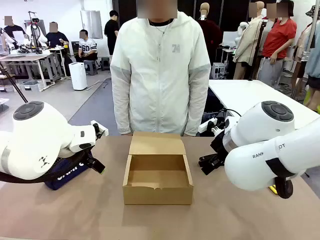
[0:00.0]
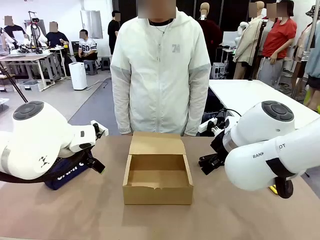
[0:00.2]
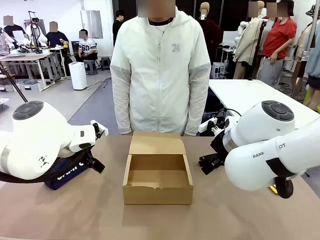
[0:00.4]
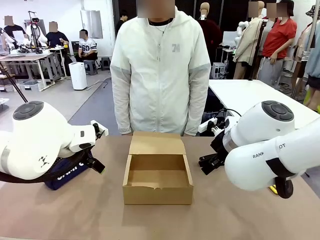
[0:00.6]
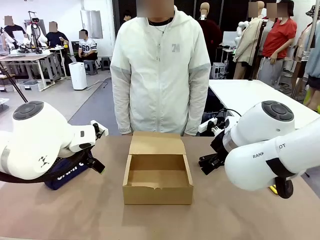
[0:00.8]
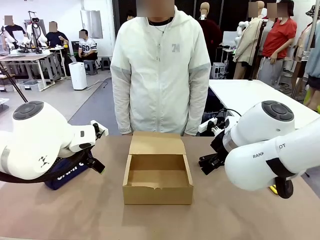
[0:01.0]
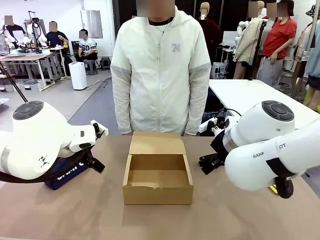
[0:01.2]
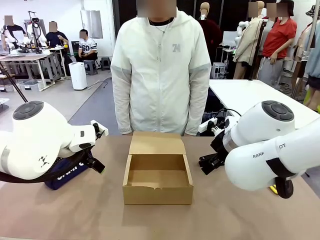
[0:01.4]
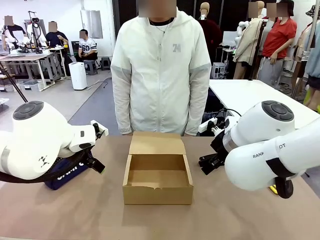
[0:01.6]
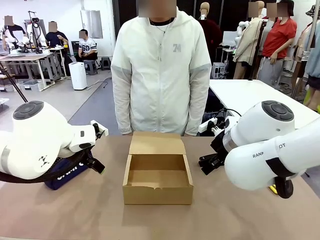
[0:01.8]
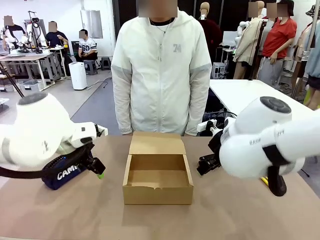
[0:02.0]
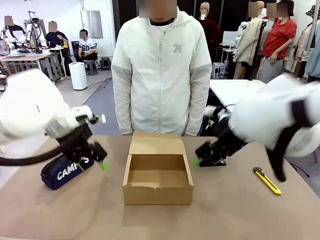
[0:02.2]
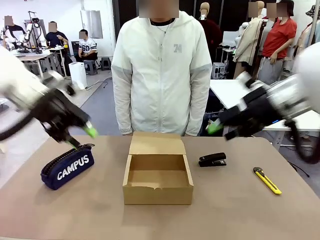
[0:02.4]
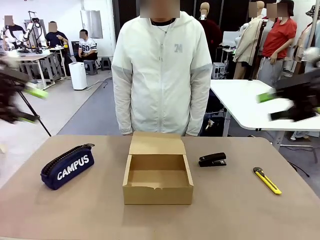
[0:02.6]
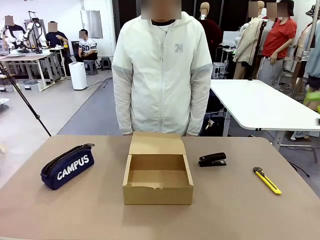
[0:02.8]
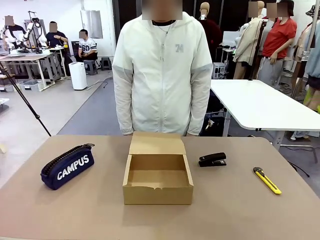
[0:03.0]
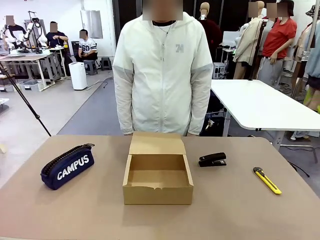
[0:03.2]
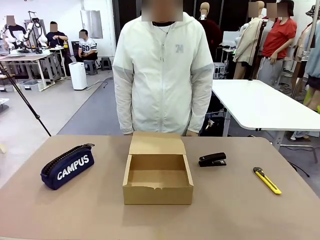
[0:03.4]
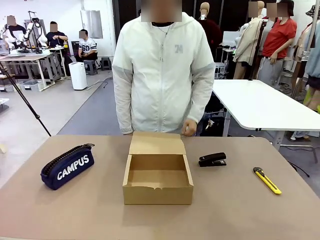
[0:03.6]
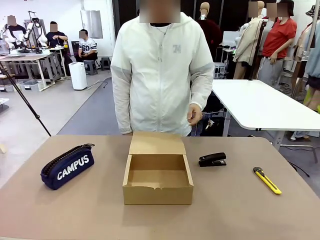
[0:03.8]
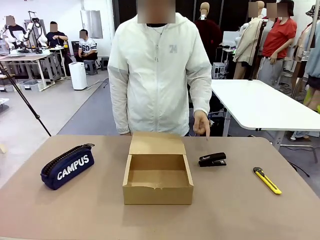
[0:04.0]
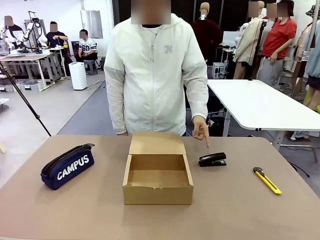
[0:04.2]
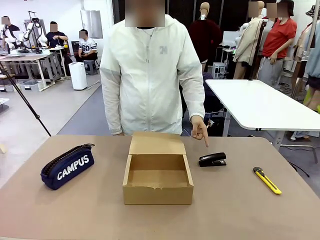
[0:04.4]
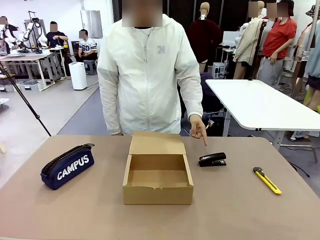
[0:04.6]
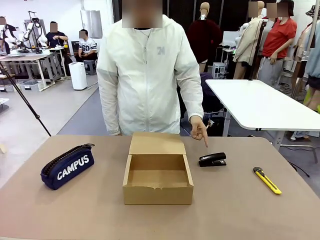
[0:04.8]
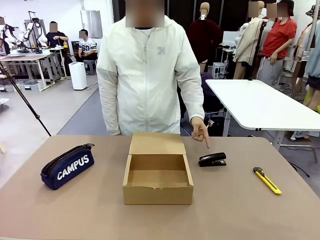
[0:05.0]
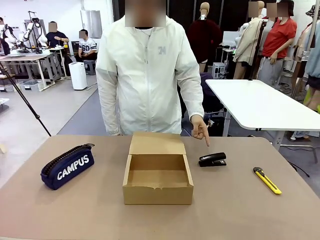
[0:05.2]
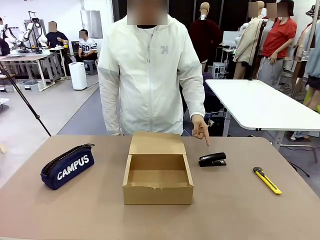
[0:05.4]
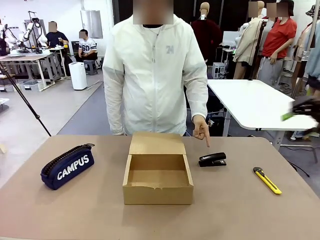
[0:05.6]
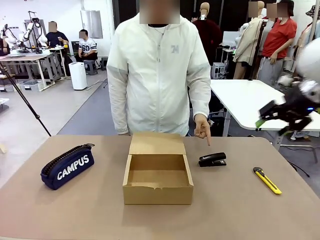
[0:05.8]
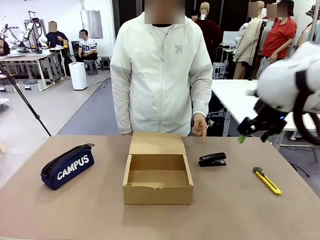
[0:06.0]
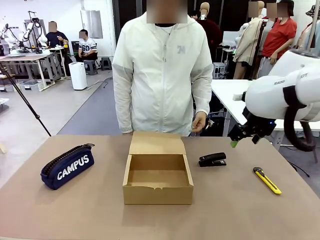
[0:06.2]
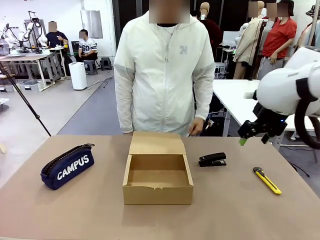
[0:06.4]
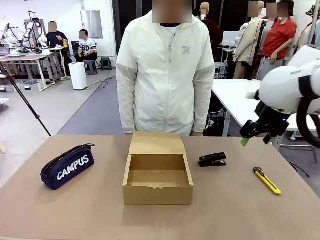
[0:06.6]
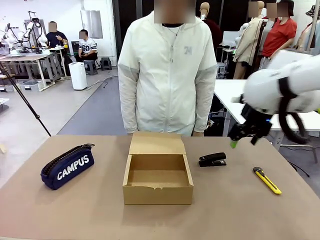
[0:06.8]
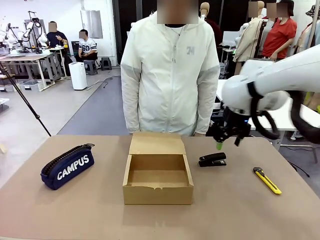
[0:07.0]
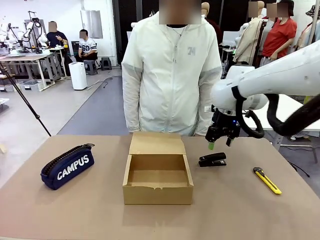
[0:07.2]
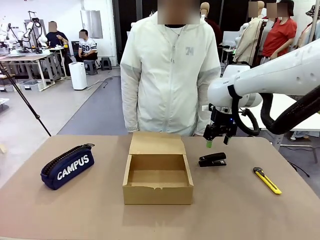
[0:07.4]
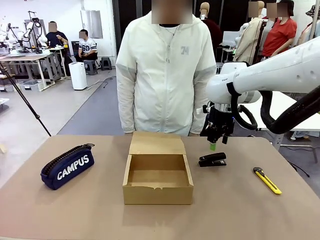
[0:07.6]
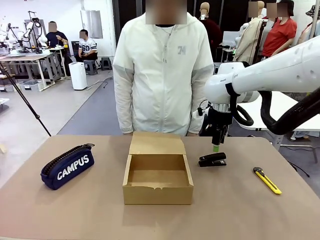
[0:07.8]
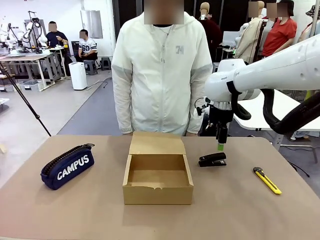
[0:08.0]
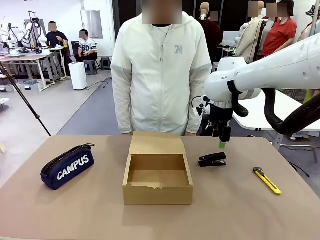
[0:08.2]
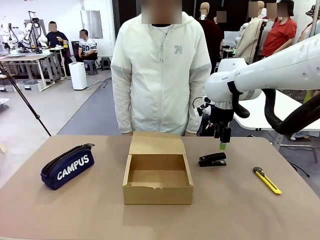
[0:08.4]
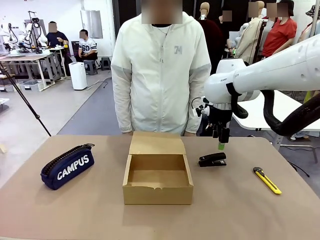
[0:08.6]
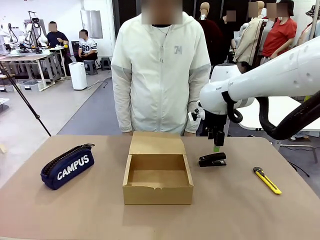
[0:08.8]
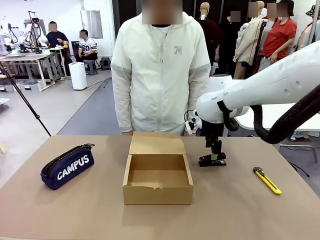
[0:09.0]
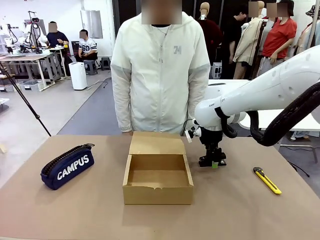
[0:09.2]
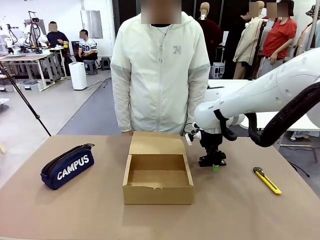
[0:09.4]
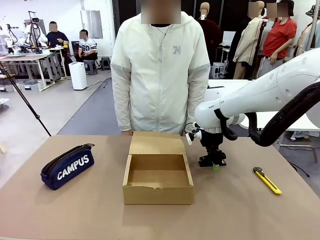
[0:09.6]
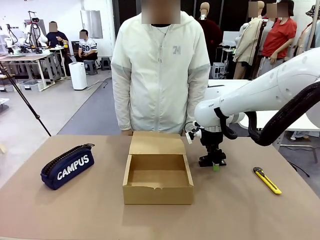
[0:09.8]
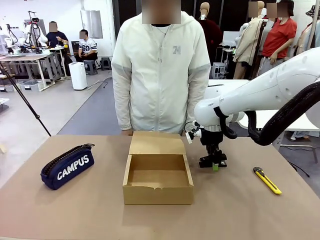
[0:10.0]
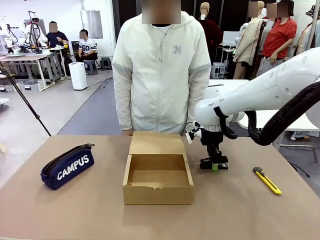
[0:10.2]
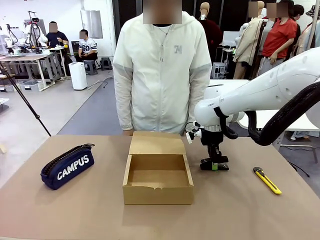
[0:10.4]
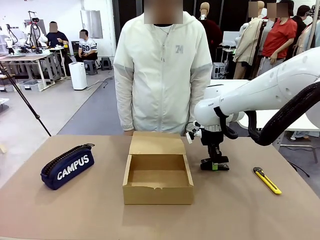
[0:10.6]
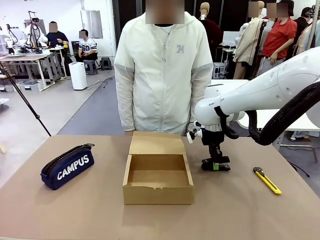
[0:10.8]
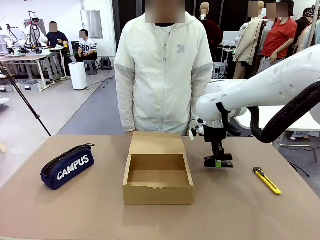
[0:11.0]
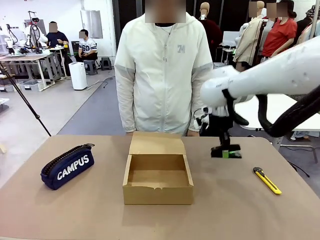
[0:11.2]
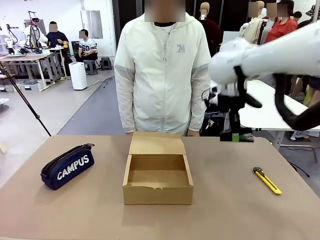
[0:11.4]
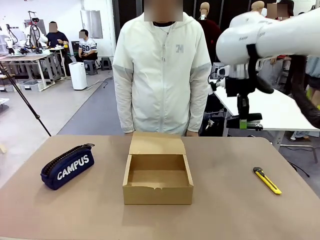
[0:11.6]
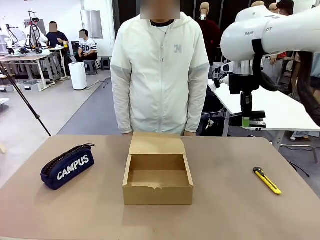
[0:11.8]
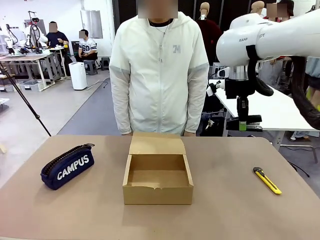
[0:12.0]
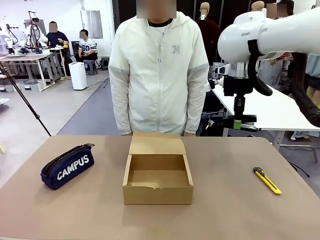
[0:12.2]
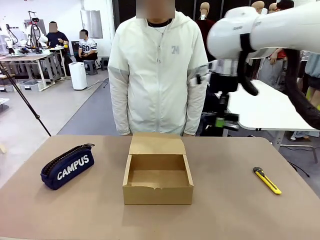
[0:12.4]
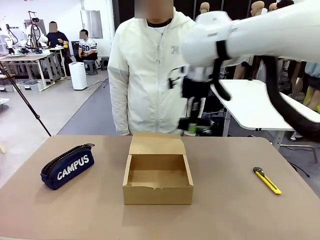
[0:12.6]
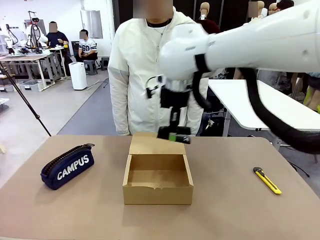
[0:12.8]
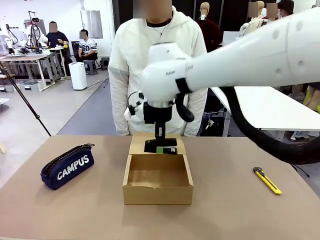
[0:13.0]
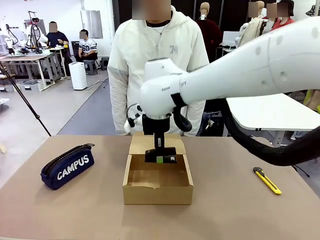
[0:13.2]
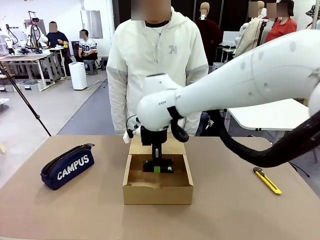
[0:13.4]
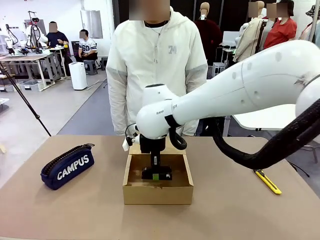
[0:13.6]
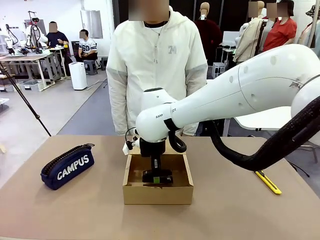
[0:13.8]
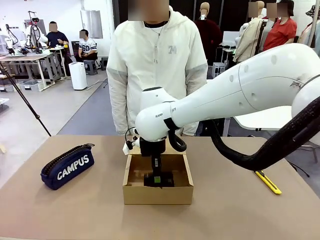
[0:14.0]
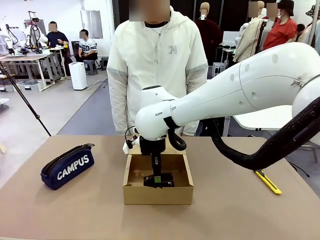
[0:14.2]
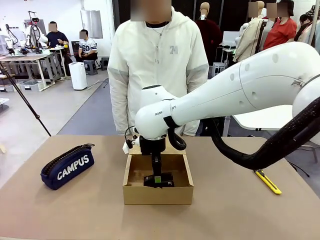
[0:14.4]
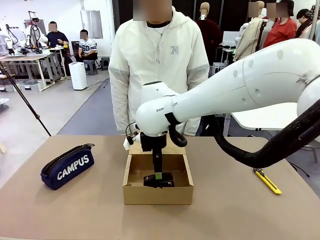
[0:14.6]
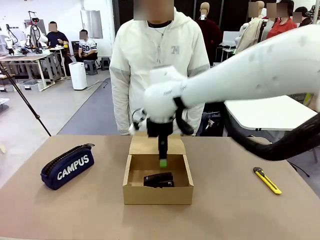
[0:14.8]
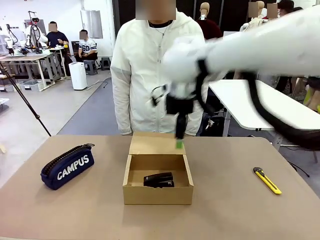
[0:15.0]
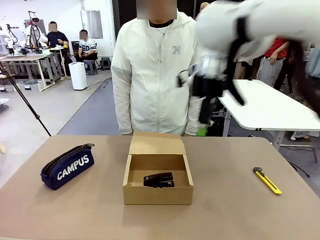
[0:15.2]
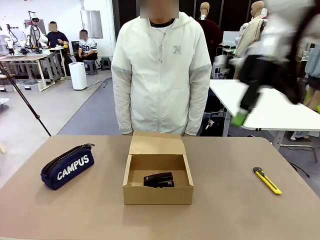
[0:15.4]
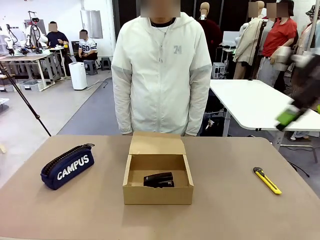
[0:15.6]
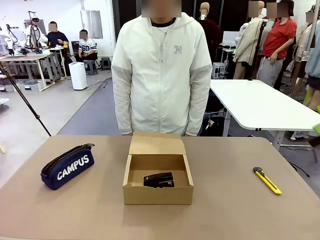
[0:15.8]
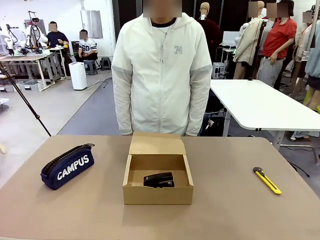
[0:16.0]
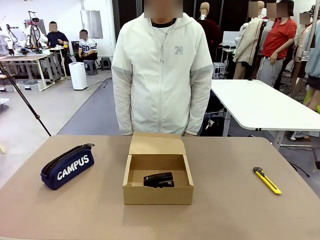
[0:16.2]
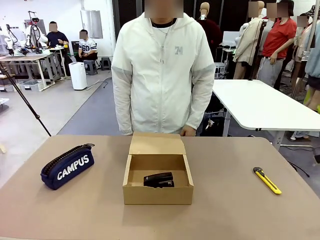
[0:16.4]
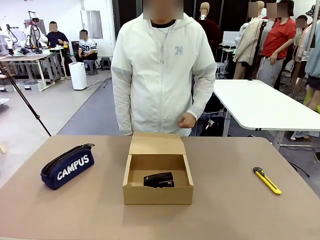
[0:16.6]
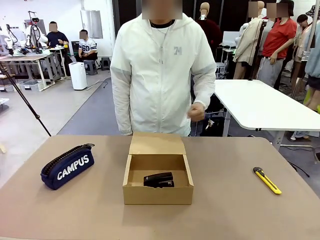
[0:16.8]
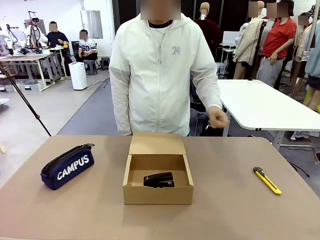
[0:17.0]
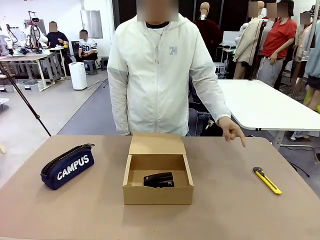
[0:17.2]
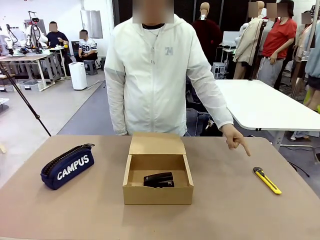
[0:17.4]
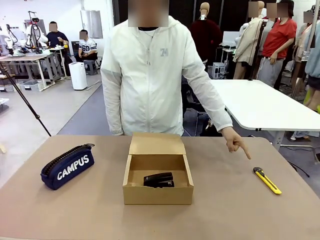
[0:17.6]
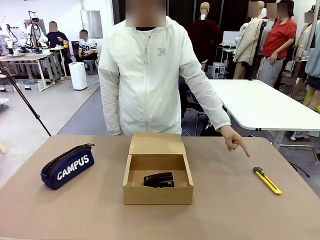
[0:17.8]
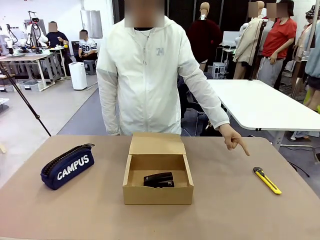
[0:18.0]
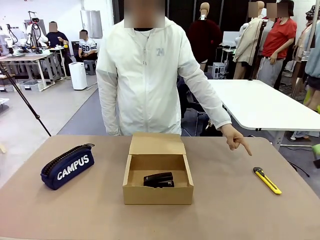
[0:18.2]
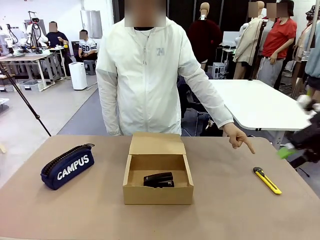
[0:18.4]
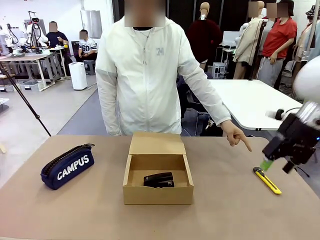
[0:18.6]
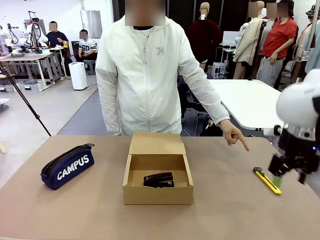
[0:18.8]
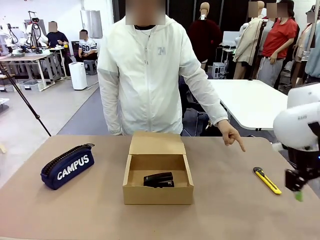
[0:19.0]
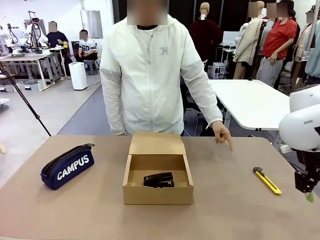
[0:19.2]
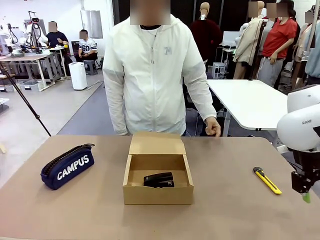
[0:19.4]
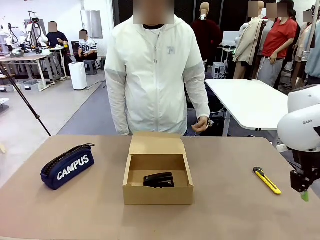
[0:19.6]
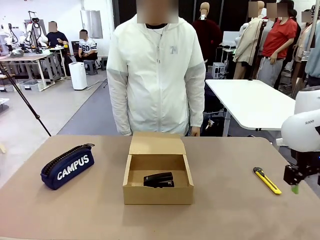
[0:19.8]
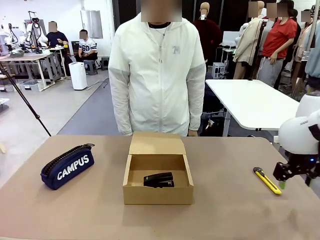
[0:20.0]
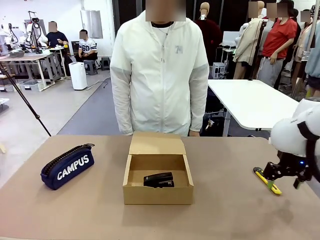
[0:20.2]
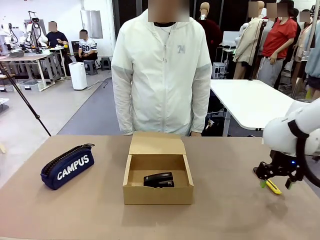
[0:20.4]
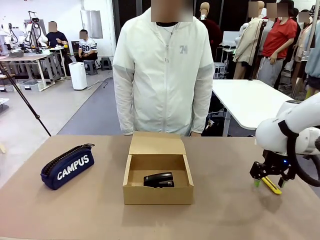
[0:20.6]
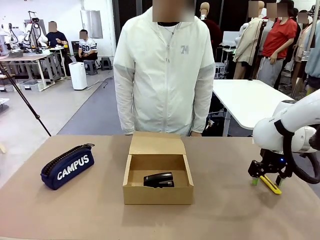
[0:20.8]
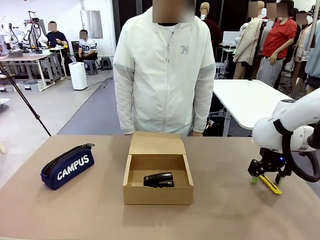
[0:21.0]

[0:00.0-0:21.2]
Task: Pack the items into the box.
Robot: Pick up the item indicated by the person and place it inside the Mailer Box.
Person: Point at one item on the table (excluding the box).
